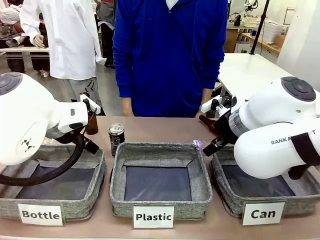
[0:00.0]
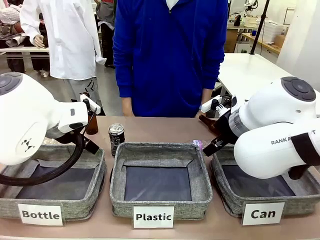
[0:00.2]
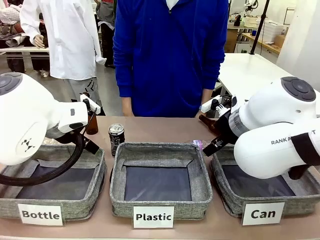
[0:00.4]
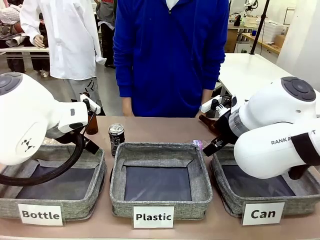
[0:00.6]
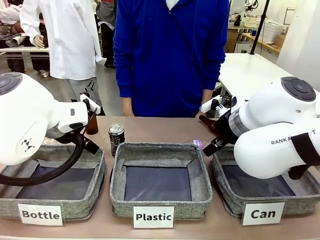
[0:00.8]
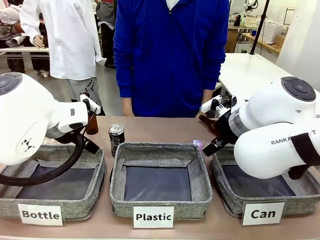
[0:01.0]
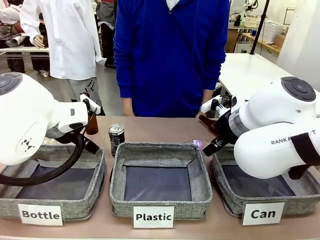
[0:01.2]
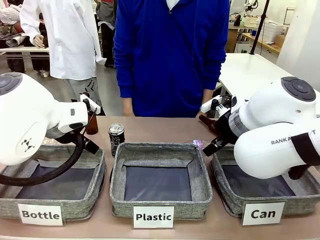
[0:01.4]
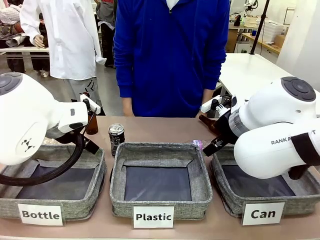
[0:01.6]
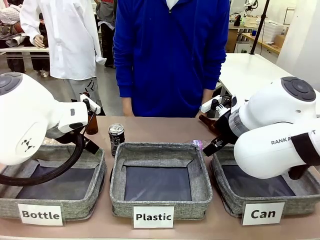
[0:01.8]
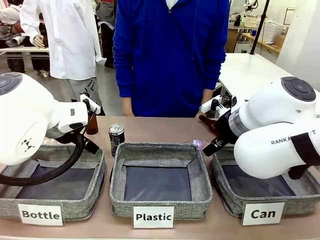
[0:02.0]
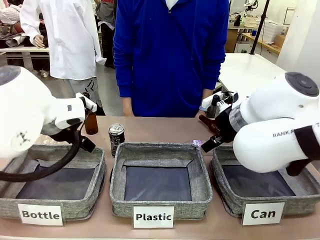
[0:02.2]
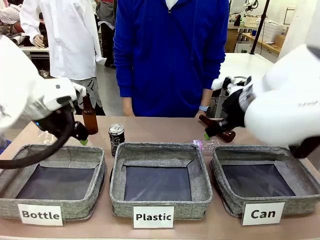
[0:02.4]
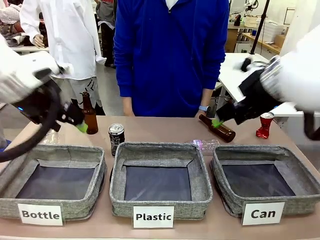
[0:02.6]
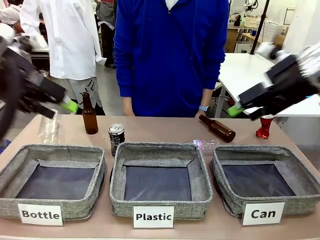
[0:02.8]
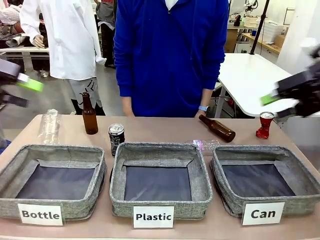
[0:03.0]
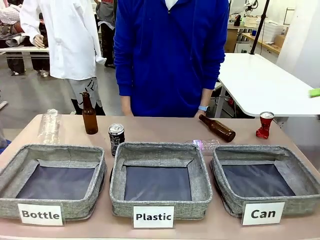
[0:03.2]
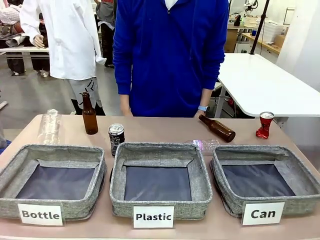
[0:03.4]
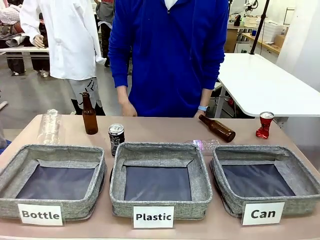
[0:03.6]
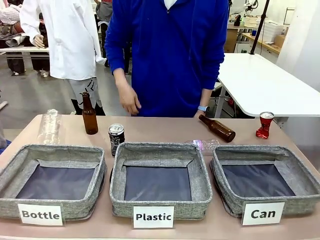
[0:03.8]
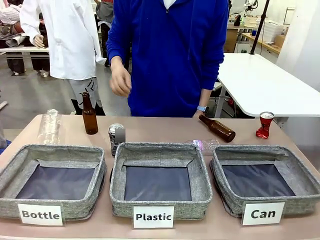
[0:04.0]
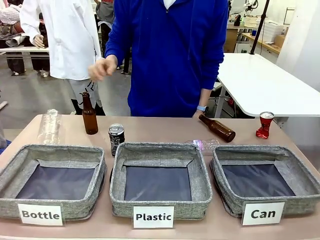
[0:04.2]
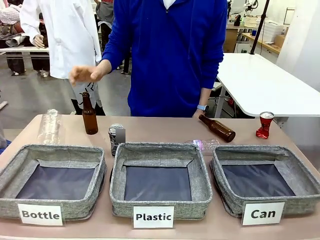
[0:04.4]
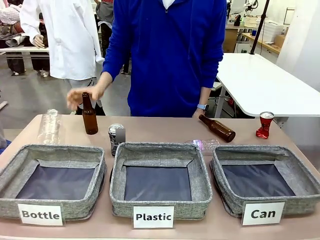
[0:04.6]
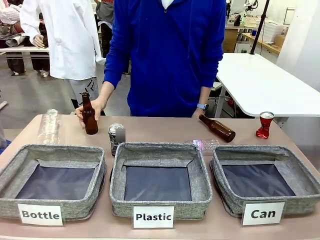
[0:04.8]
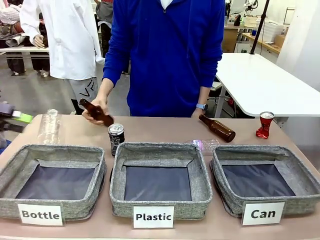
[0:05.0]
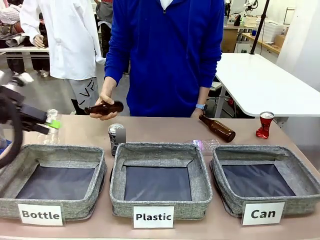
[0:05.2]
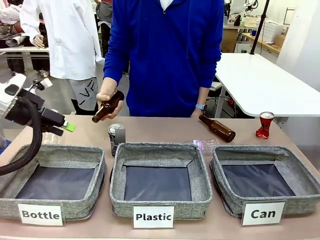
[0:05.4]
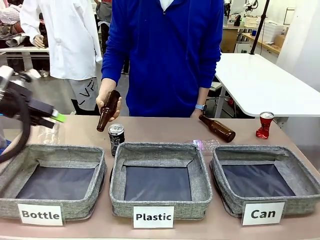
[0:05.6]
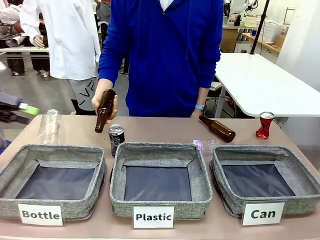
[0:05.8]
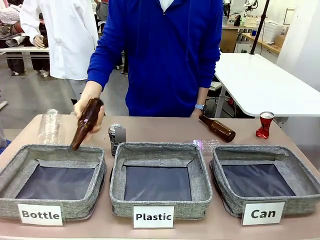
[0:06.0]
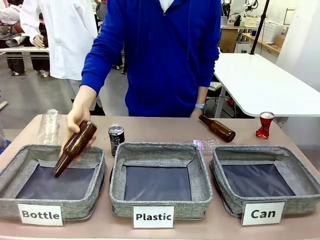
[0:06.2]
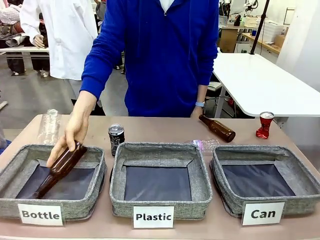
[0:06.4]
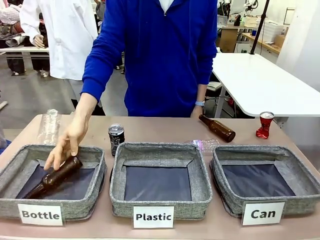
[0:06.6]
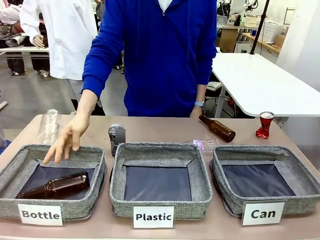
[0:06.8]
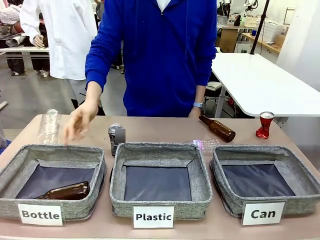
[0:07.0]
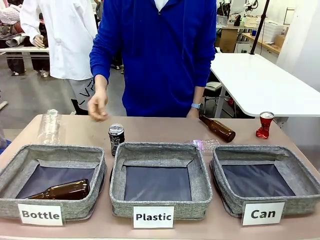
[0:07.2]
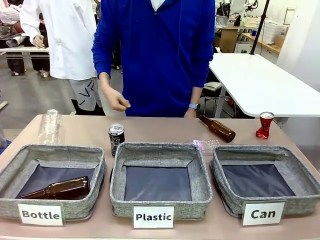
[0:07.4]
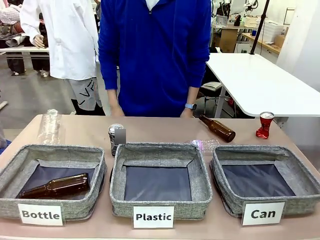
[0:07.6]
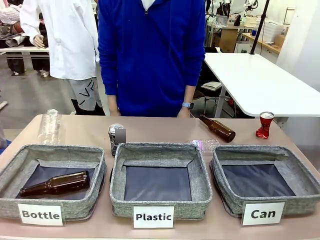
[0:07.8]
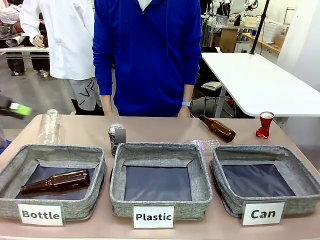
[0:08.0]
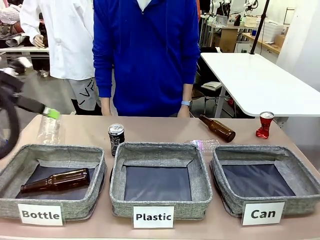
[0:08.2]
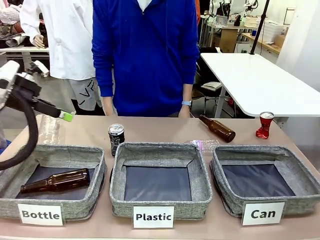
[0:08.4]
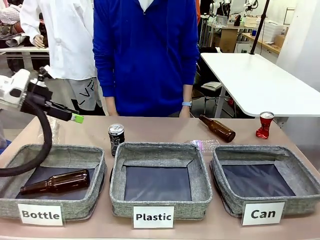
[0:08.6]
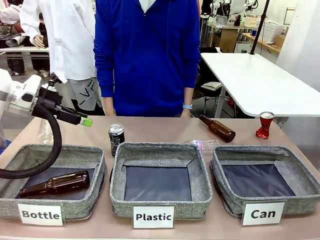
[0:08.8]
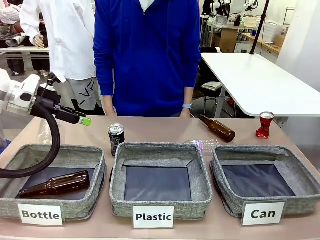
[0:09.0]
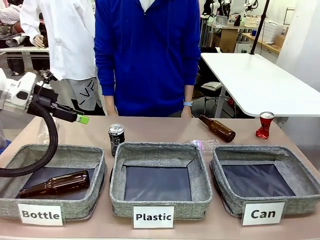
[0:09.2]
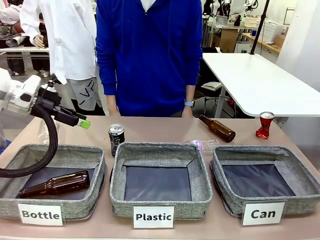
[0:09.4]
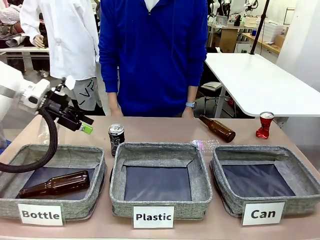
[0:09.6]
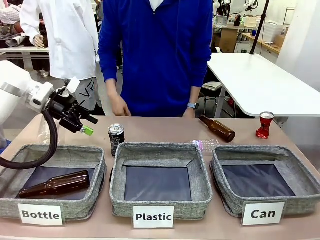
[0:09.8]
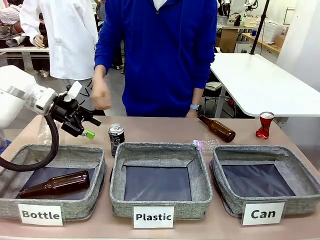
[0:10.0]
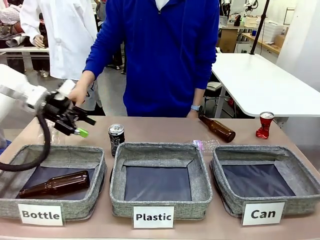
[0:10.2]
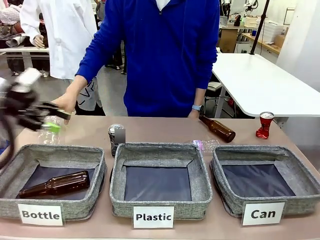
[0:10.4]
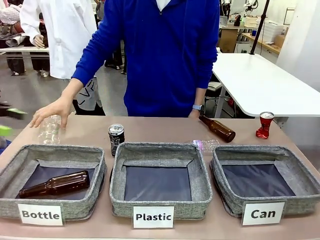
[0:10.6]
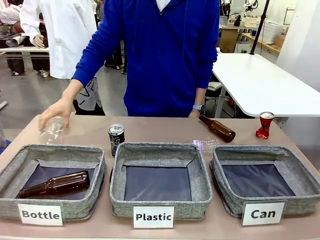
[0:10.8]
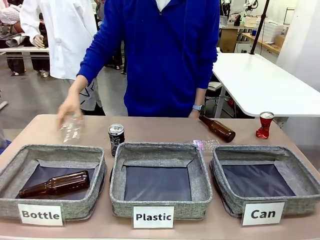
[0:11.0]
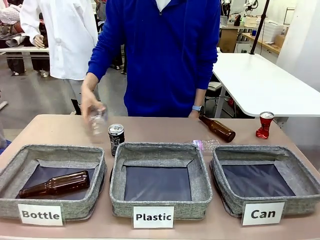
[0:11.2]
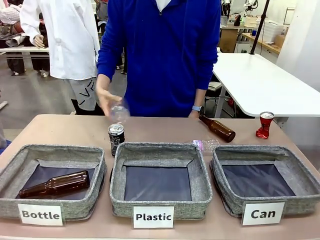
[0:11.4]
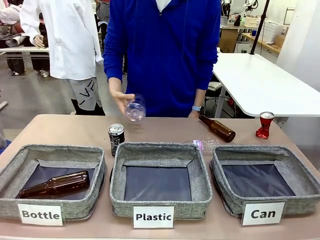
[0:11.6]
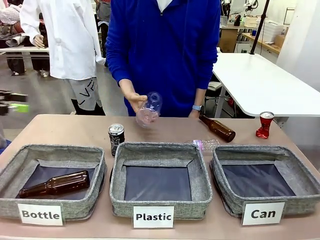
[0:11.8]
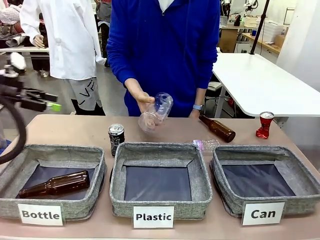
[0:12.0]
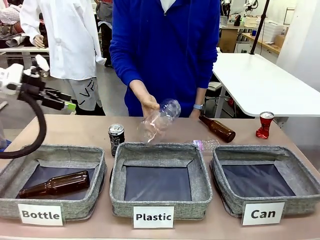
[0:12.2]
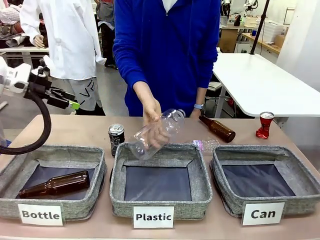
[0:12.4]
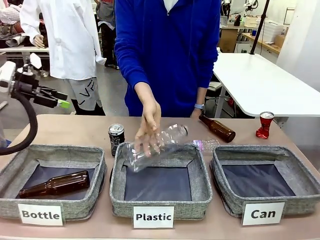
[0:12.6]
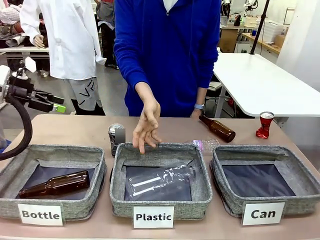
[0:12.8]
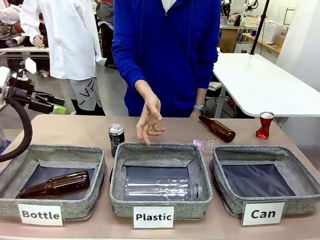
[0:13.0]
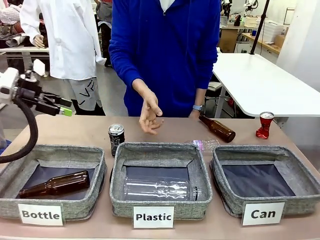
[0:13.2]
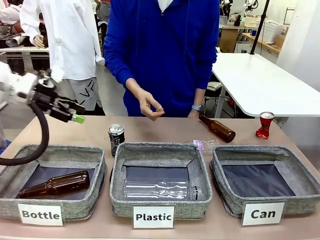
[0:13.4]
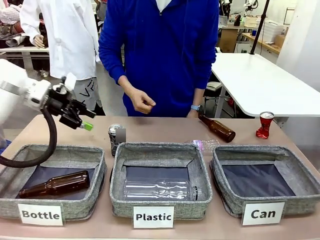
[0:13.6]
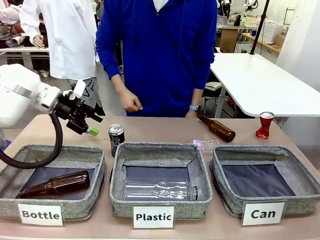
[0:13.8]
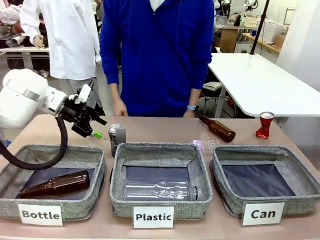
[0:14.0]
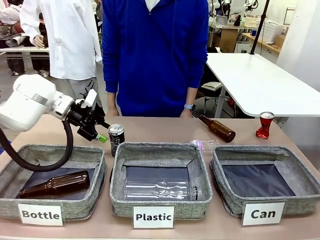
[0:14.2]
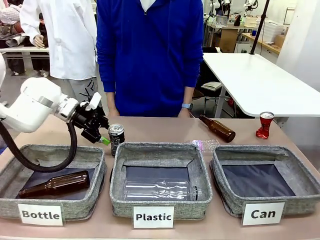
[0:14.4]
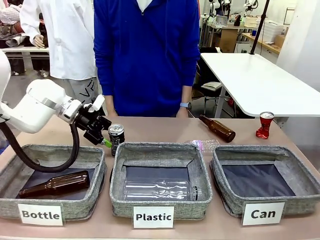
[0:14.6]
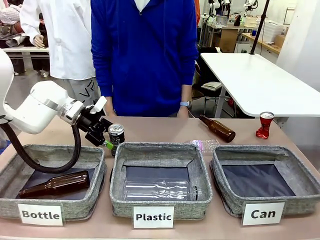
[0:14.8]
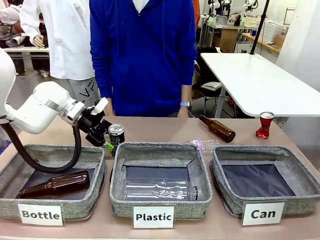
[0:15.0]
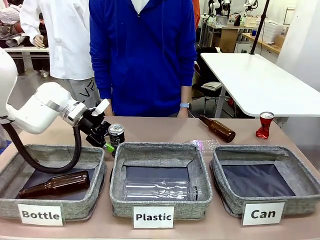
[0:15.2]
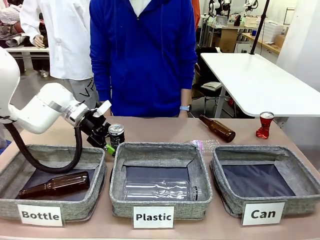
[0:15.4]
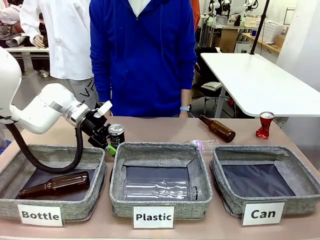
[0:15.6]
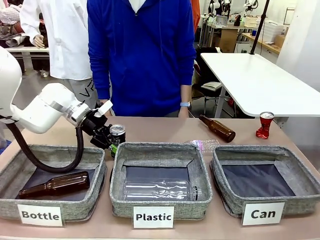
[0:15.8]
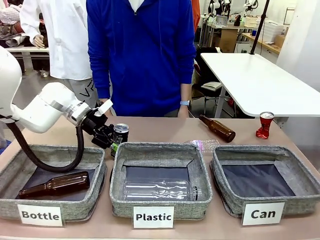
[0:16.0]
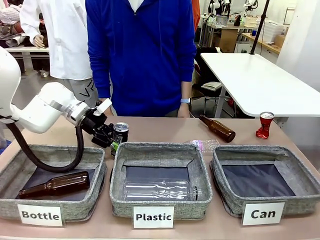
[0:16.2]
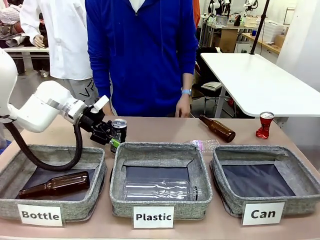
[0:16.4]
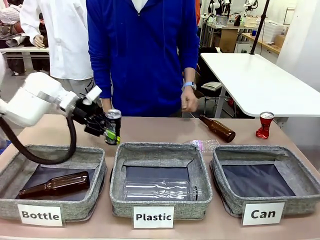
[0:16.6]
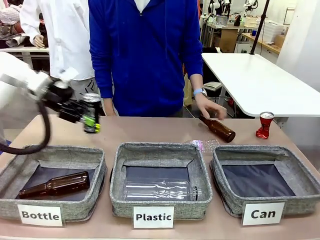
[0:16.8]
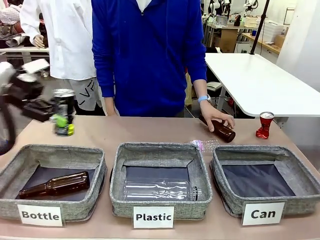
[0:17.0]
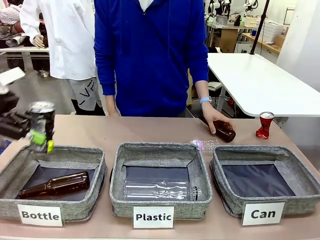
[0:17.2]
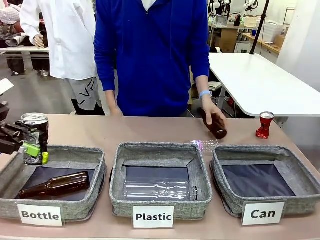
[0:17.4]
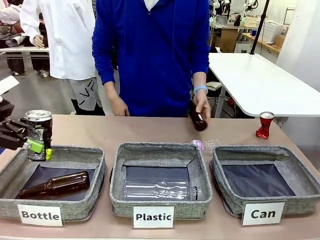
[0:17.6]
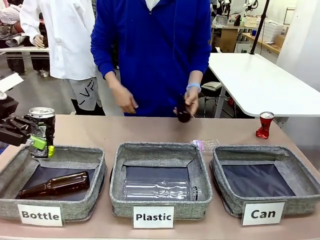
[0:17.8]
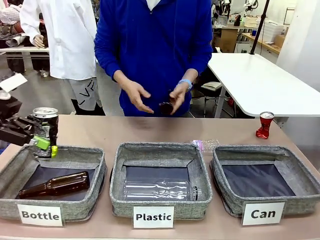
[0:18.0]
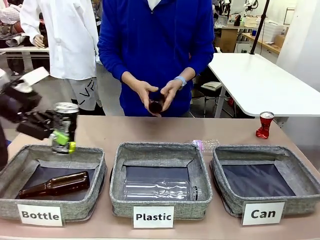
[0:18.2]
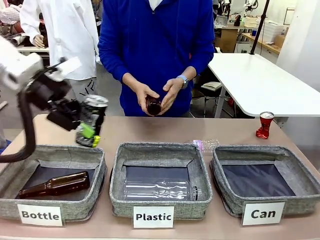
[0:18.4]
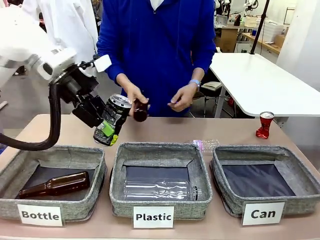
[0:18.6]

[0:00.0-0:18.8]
Task: Sort the can waste into the basket.
Robot: Pick up the can waste from the table and place it in the right Fabric basket.
